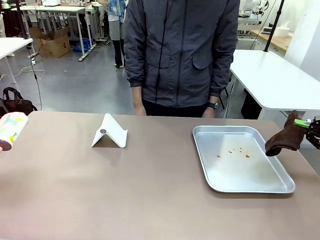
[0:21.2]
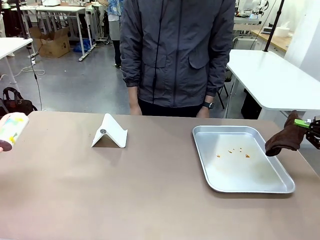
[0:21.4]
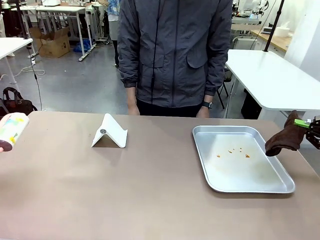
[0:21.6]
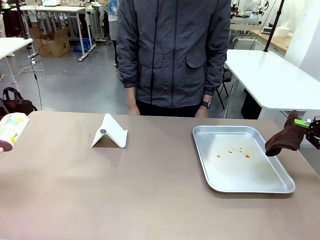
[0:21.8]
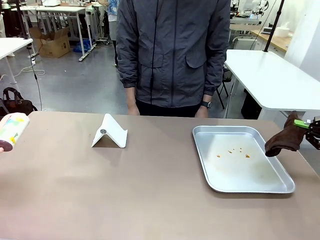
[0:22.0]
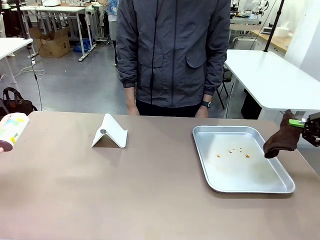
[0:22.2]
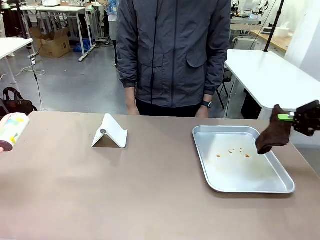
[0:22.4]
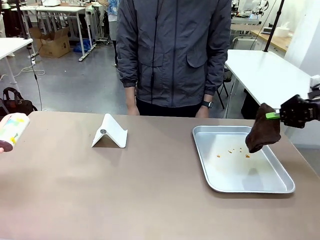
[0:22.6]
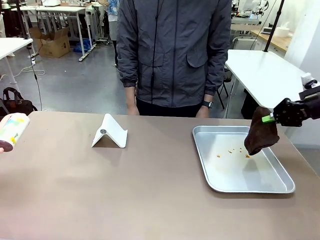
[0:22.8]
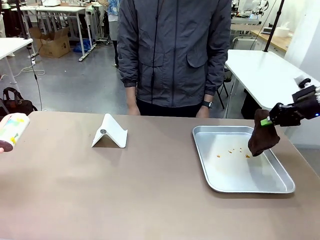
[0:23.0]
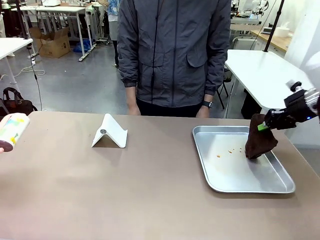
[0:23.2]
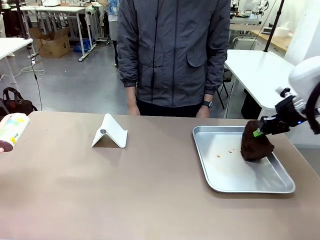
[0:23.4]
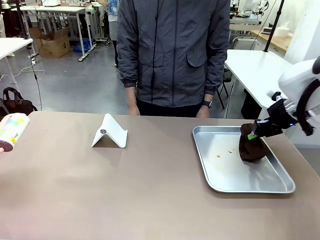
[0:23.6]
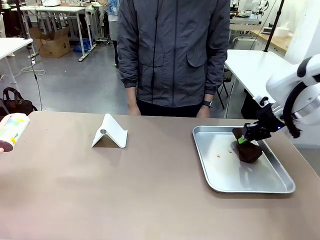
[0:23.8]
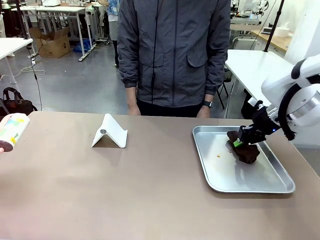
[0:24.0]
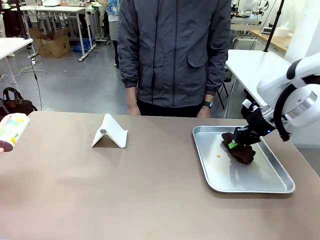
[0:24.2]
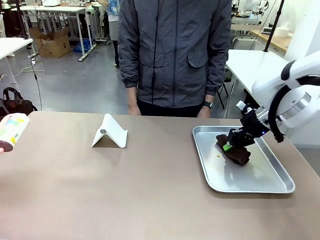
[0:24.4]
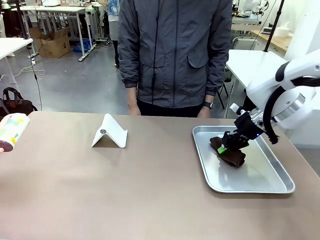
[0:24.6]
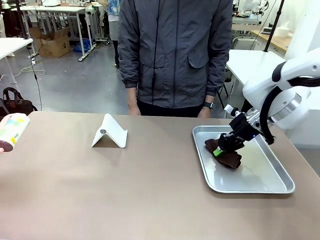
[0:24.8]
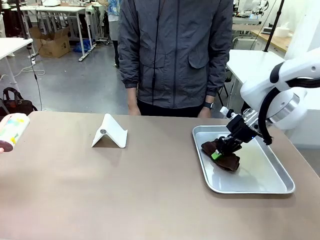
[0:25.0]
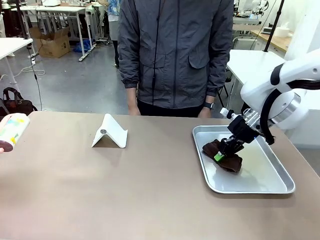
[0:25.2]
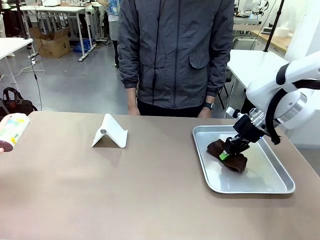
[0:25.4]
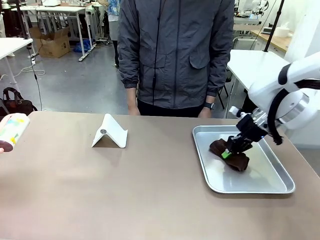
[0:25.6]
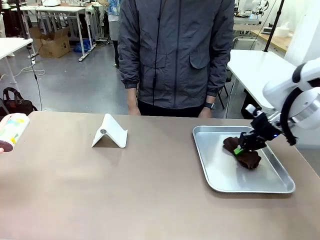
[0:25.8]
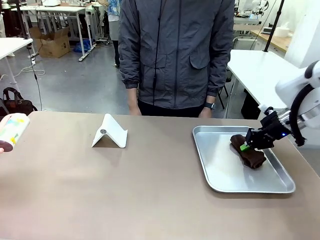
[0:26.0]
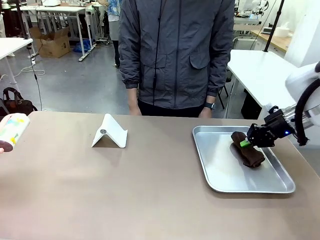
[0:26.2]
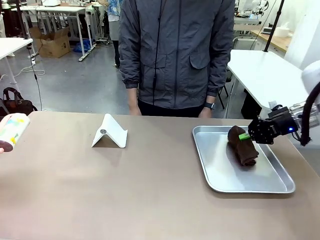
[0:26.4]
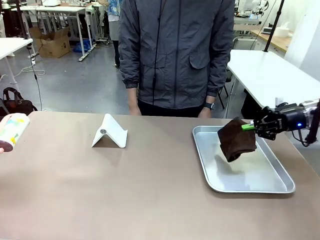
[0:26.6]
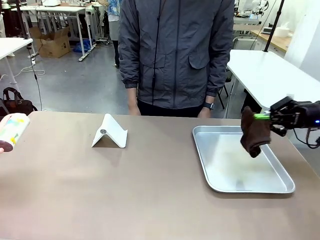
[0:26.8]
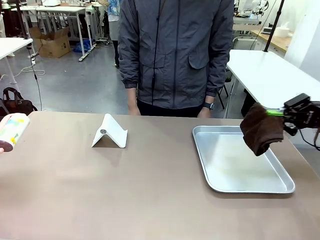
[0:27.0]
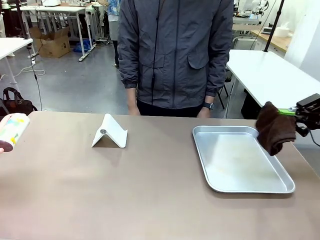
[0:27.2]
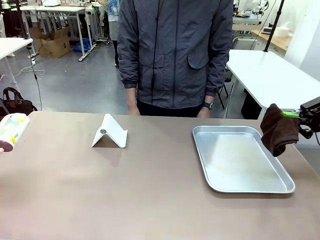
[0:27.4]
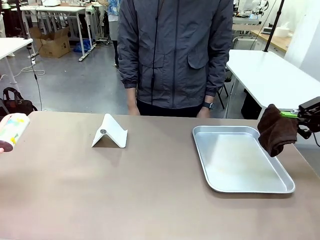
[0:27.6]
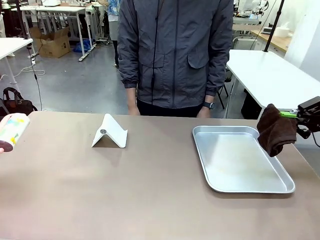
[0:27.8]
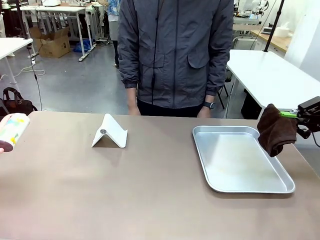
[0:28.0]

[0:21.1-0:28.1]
Task: Clean the surface of the table.
Robot: Clean the area not pointed to by the person.

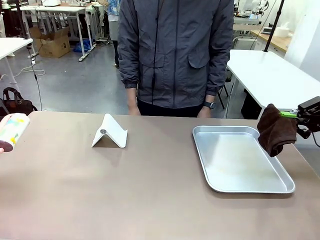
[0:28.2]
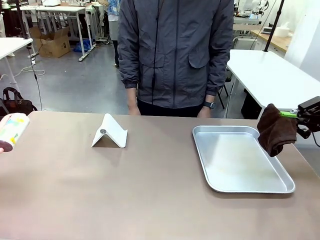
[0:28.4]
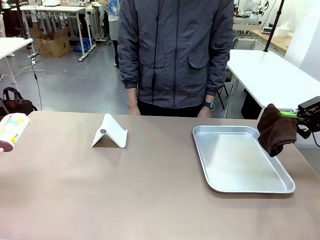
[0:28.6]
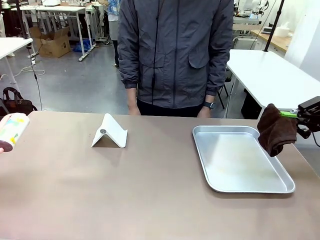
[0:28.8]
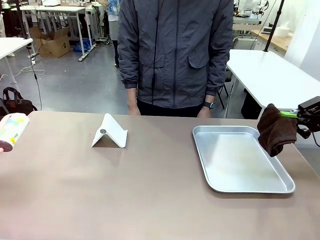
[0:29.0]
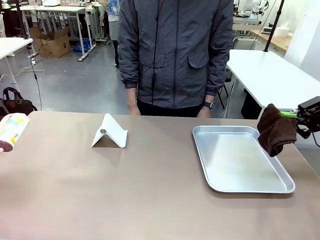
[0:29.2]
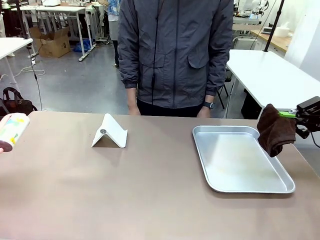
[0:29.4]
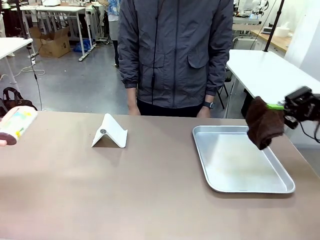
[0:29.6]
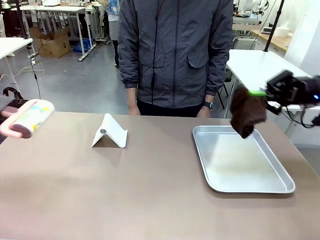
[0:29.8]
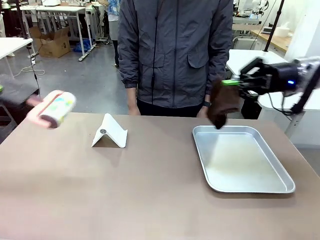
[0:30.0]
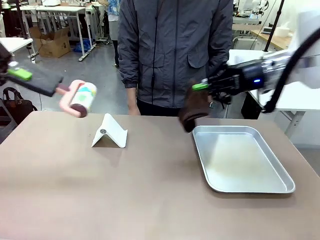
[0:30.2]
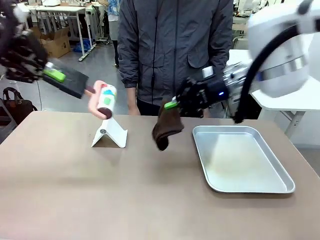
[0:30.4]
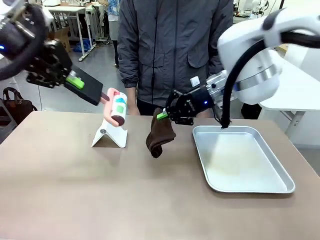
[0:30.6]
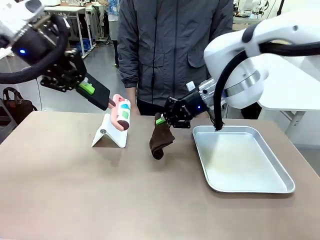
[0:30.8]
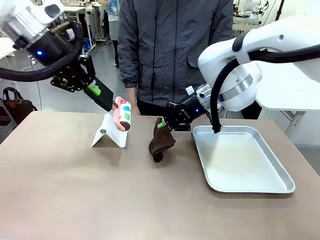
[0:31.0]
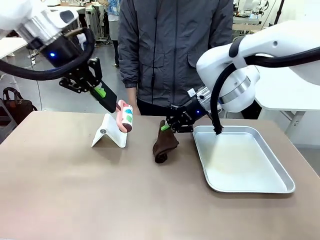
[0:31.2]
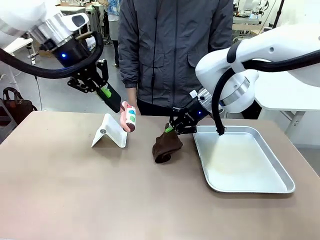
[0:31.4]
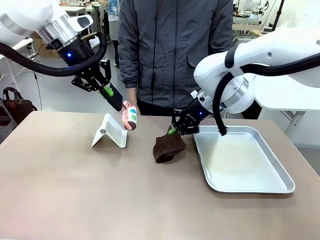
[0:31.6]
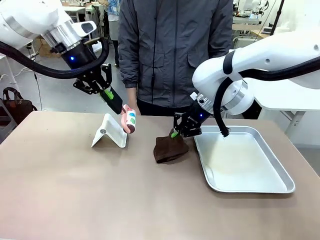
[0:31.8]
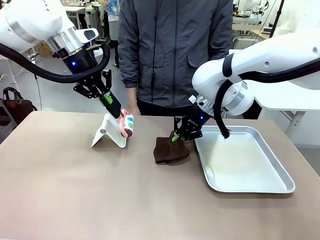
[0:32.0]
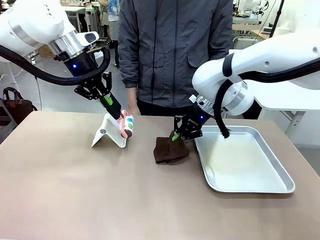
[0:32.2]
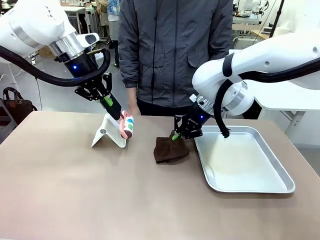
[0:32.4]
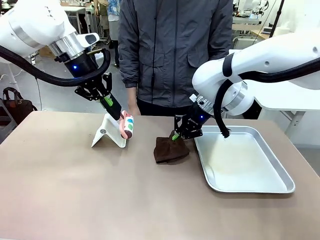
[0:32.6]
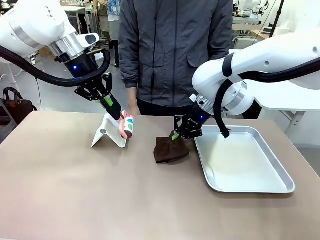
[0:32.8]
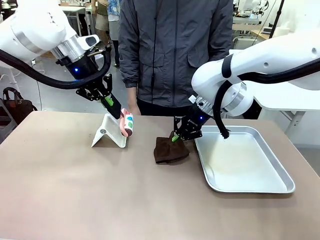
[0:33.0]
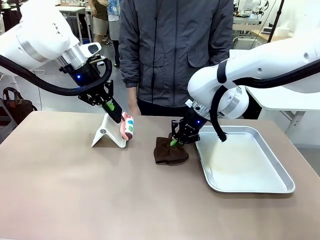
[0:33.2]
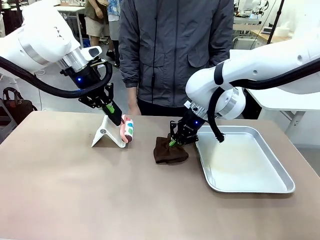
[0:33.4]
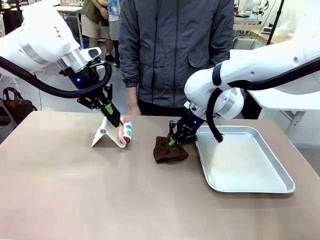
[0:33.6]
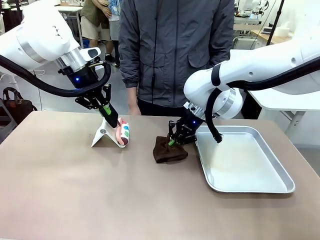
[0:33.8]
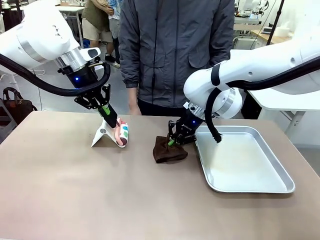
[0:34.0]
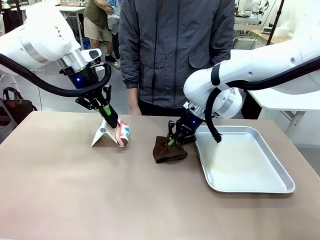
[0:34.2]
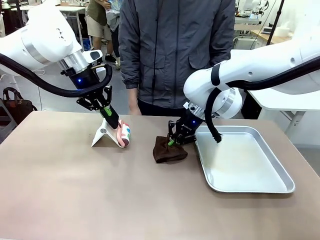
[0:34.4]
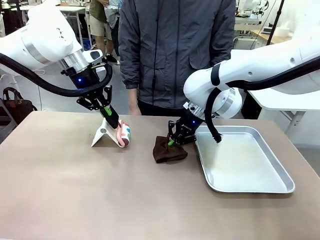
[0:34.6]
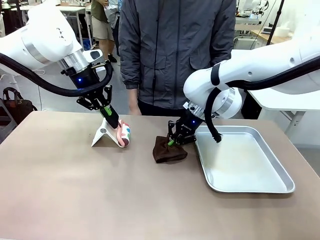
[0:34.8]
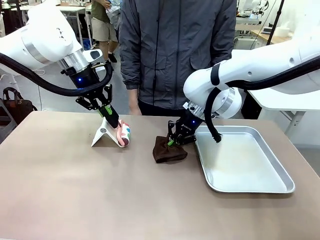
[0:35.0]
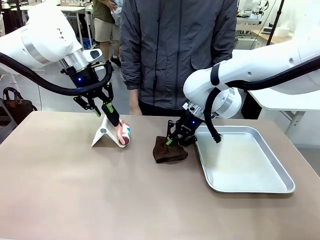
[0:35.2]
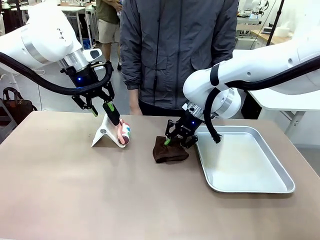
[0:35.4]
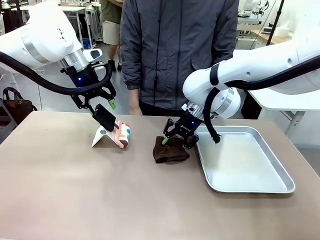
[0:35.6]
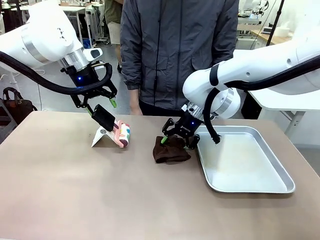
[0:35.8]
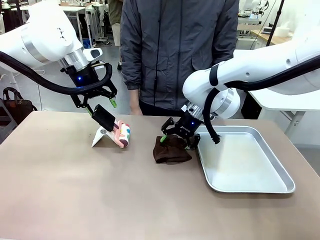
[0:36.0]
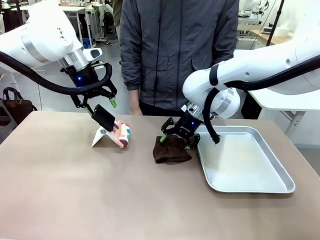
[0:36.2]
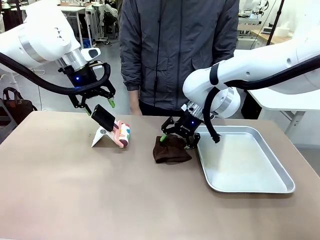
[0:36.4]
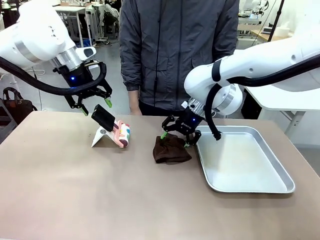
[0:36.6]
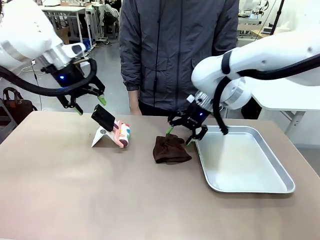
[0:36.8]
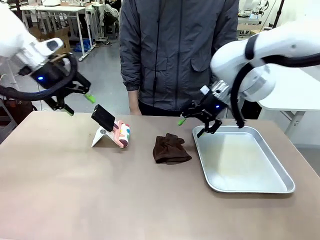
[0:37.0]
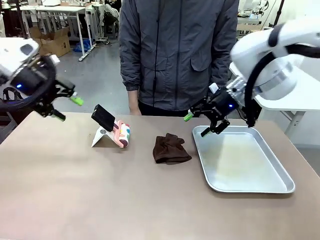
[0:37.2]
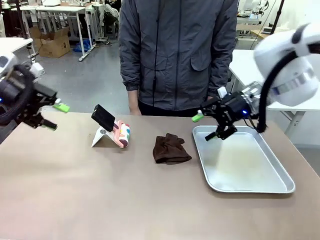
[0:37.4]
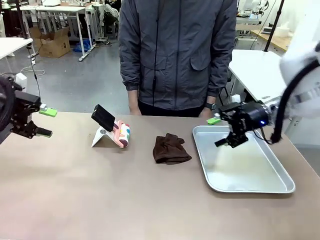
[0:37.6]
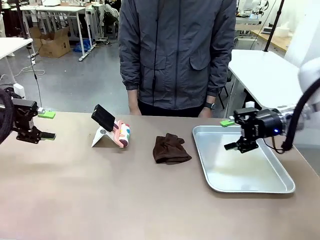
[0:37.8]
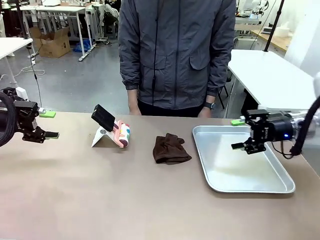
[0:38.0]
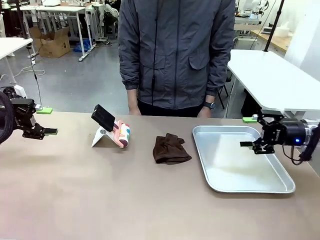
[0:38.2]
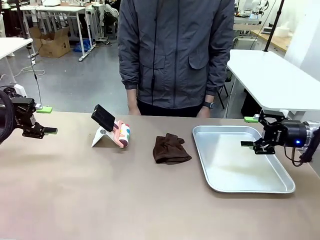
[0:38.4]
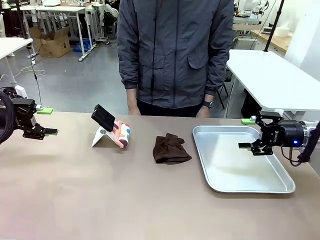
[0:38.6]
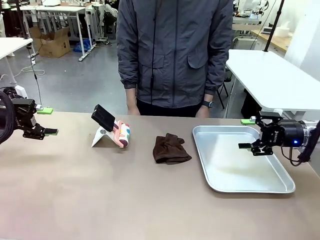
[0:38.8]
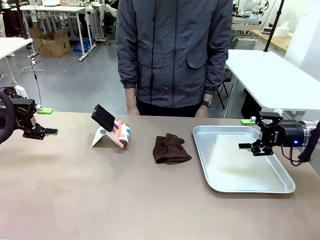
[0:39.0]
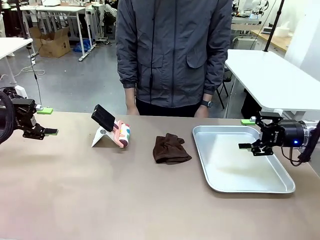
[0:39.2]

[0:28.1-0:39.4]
Robot: Return the Lint Roller and towel to their original positions.
